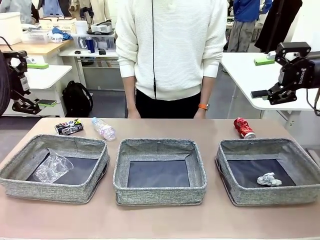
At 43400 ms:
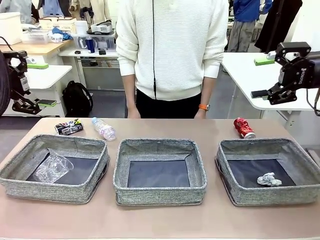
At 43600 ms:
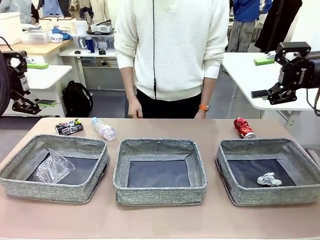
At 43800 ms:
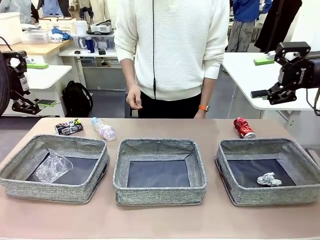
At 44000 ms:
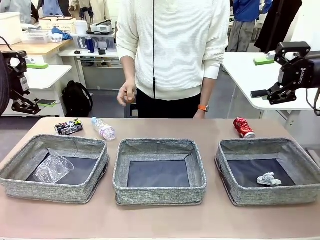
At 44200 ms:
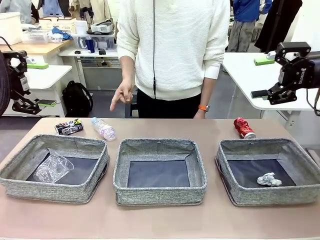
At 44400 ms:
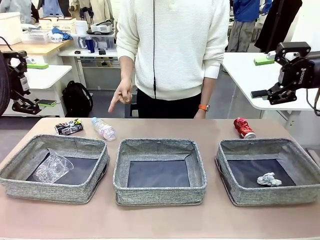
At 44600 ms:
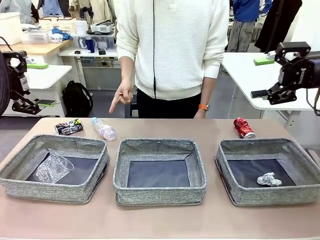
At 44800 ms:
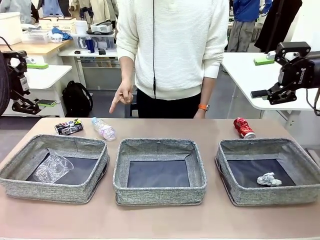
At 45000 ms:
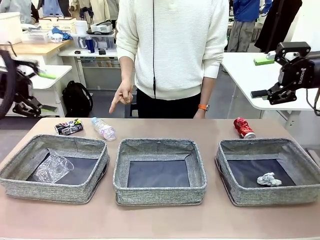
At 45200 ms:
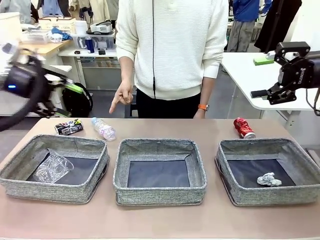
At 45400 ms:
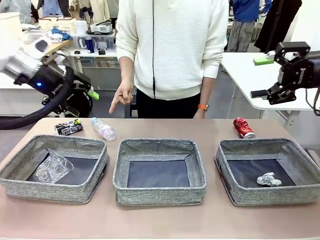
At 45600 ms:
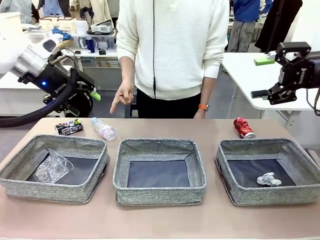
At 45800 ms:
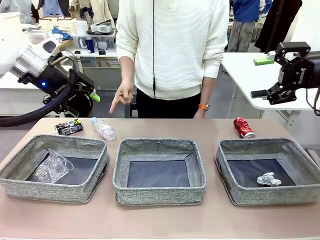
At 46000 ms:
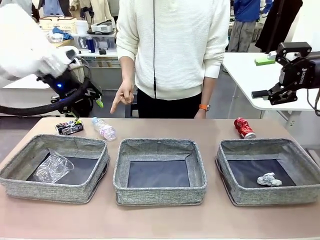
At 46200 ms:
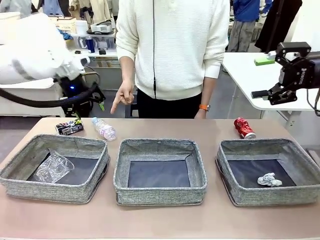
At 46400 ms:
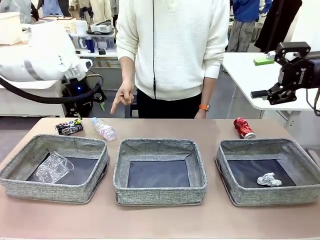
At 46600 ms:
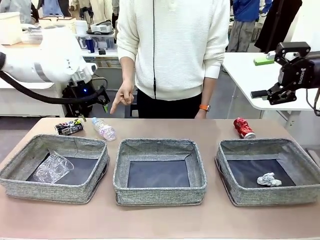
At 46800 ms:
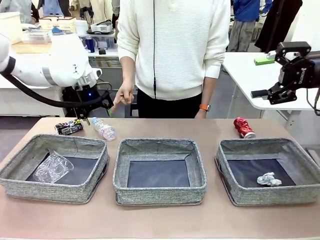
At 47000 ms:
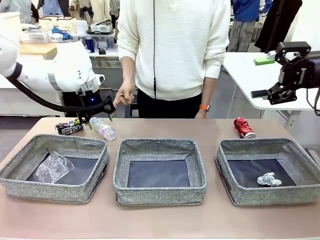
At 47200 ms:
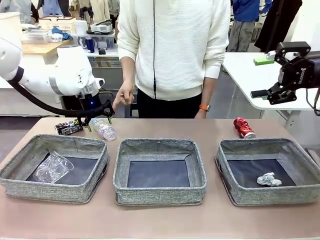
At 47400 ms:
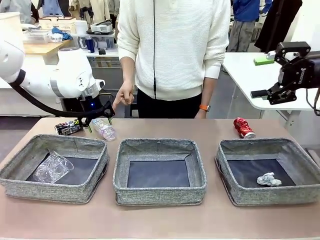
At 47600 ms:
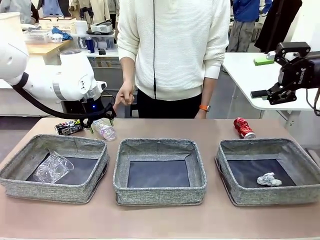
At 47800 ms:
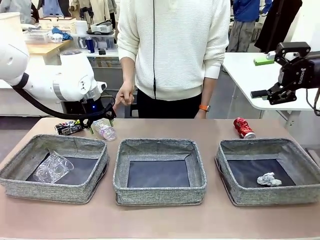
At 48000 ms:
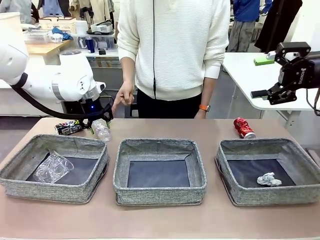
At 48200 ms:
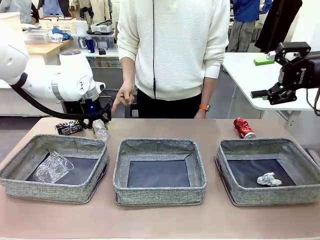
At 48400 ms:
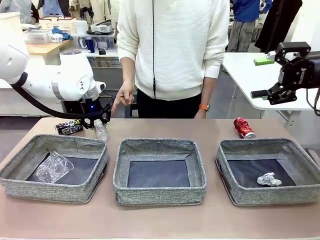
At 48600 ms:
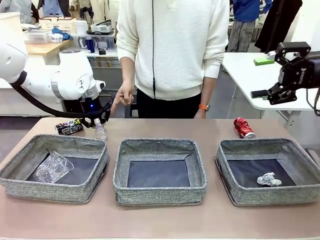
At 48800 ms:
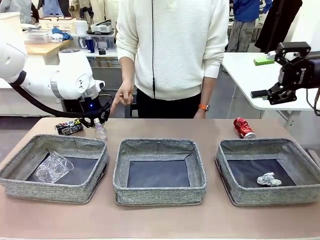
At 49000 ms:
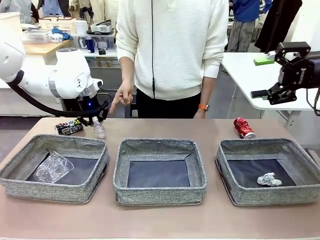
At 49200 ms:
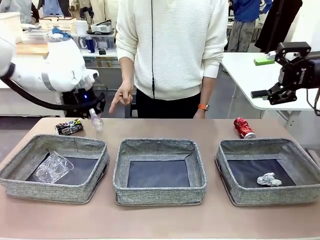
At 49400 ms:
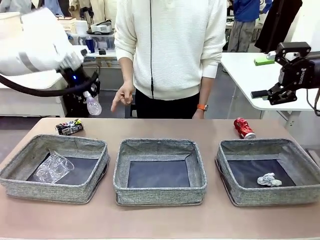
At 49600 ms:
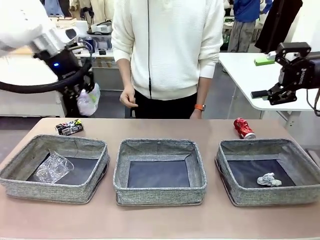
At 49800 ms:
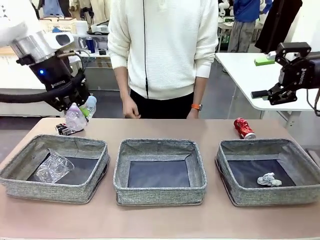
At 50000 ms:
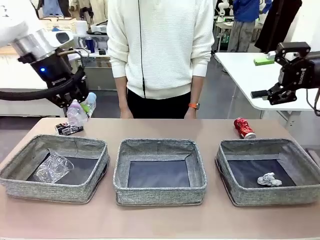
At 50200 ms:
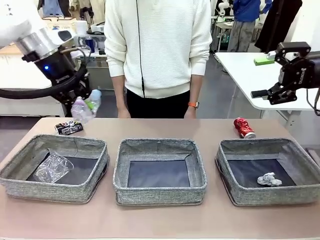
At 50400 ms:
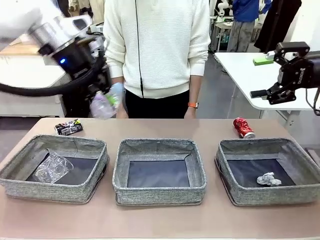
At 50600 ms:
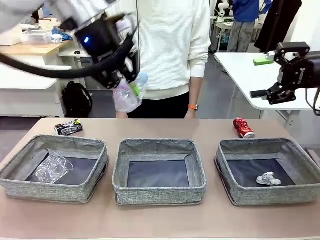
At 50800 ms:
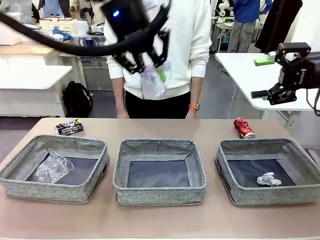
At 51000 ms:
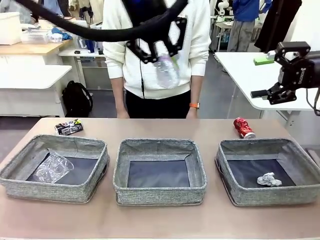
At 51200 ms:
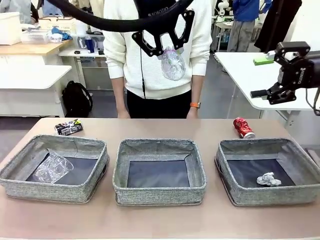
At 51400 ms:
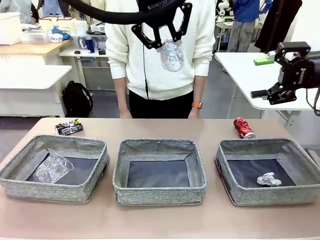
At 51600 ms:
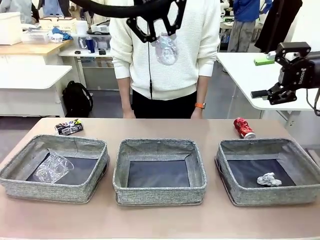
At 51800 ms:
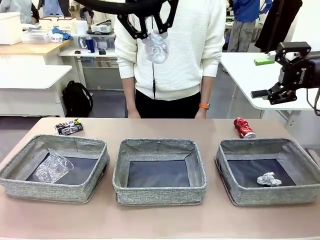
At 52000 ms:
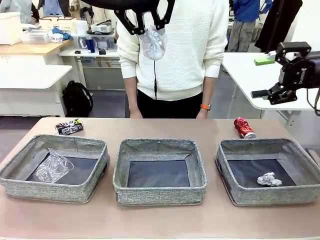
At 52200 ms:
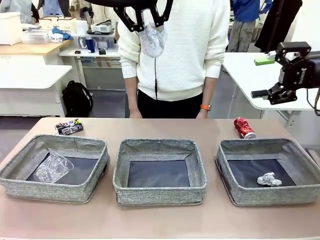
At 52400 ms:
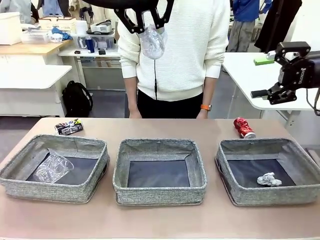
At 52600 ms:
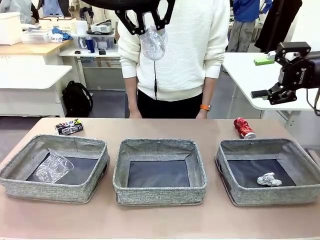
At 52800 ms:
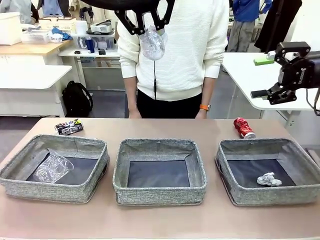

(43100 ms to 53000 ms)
Task: Sort the waste into the appropriate baskets.
Robot: Pick up the waste item pointed out by the person.
Person: Points to one piece of trash on the table.

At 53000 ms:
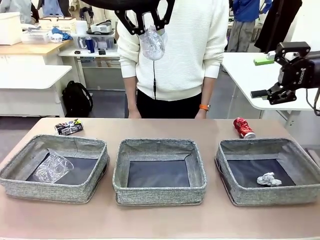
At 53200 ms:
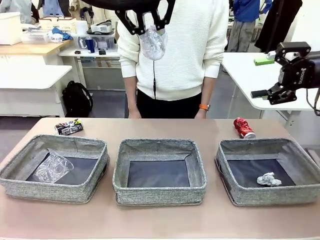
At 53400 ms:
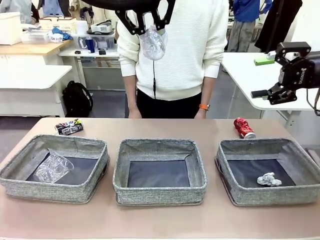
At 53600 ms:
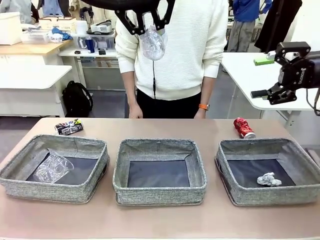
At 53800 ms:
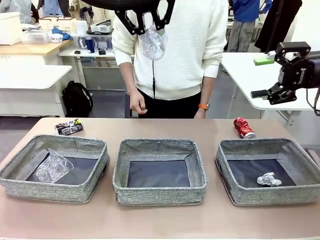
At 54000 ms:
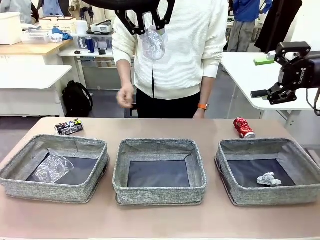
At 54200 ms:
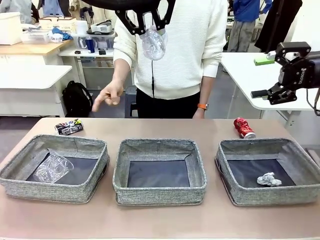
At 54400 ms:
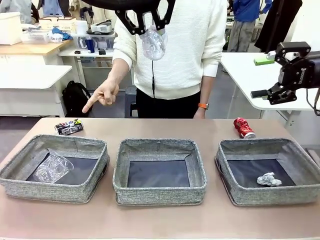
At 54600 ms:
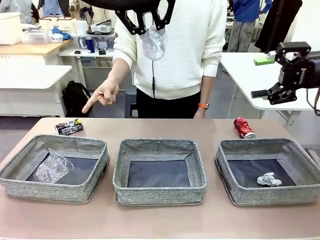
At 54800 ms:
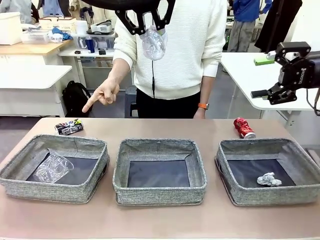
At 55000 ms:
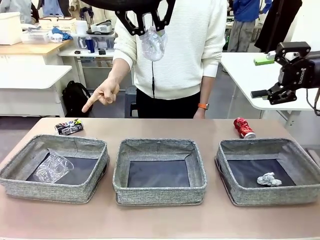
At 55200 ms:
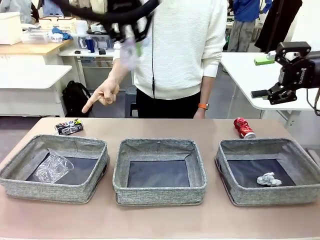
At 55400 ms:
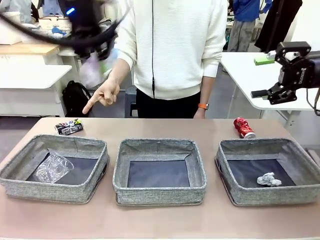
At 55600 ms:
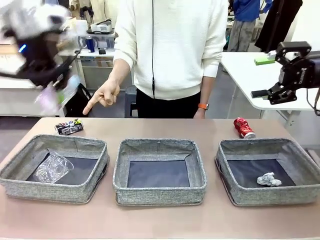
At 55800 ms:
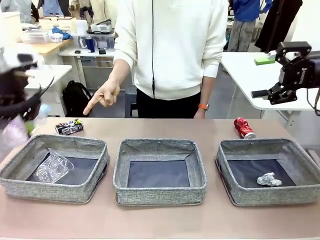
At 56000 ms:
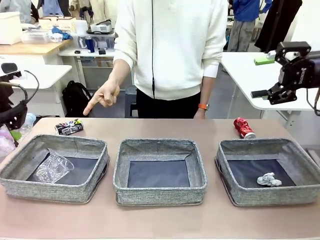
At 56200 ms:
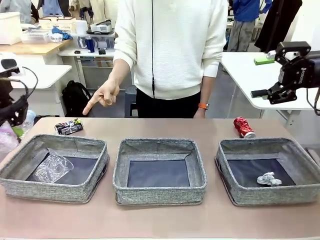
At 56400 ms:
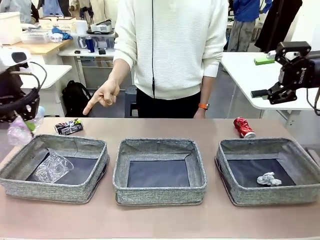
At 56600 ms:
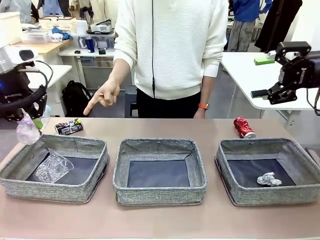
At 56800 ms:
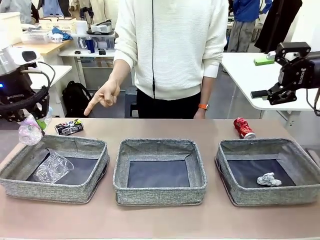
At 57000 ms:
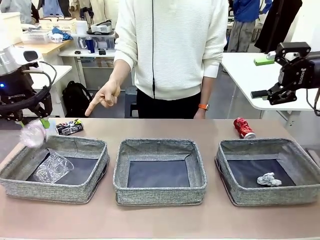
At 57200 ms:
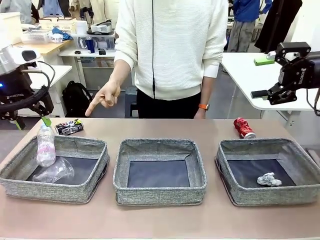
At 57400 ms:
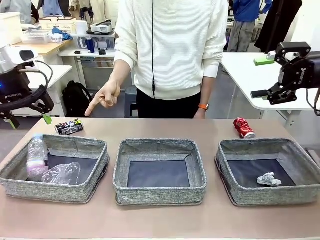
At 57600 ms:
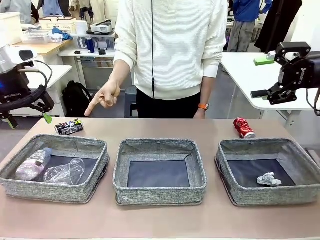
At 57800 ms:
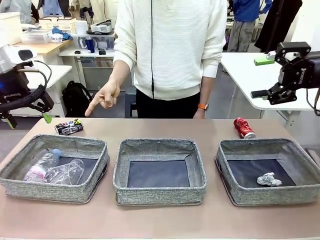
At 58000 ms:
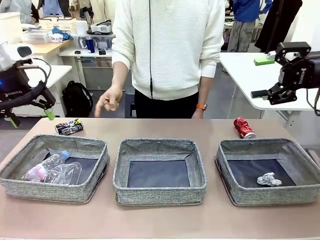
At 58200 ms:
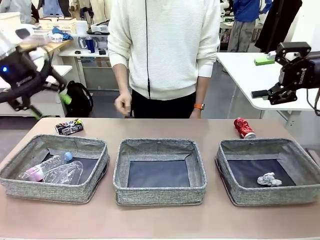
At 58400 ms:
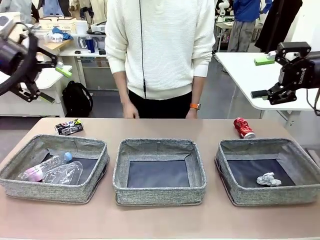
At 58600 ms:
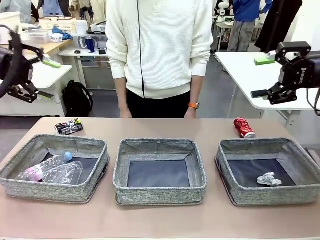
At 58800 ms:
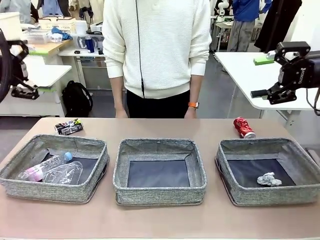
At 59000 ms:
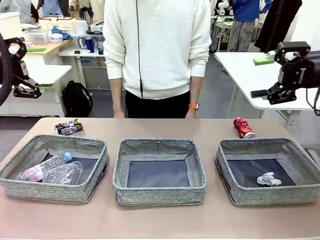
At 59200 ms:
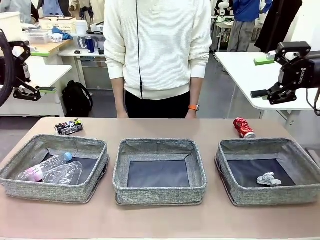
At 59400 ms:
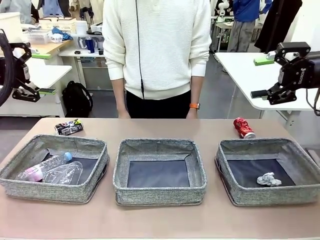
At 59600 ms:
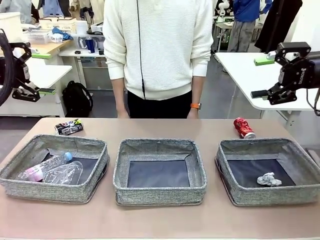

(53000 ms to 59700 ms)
Robot: Place the picked waste into the Fabric basket indicated by the person.
Person: Instructs the robot to place the picked-up trash into the appropriate organizing basket.
